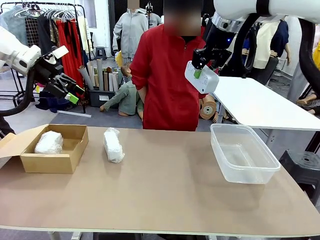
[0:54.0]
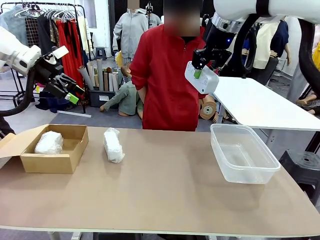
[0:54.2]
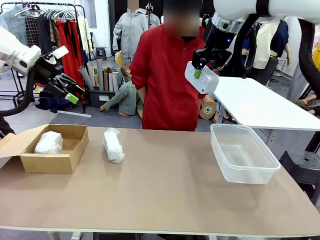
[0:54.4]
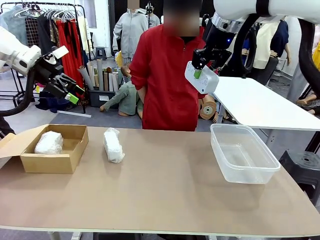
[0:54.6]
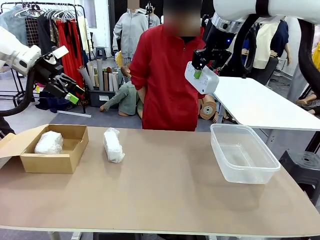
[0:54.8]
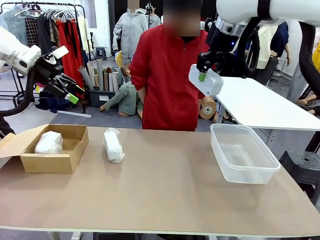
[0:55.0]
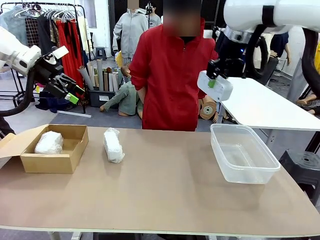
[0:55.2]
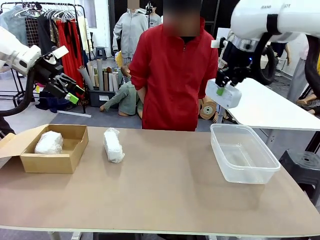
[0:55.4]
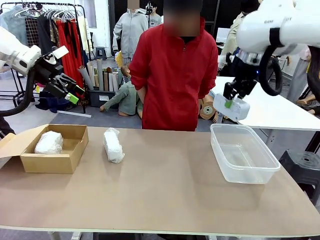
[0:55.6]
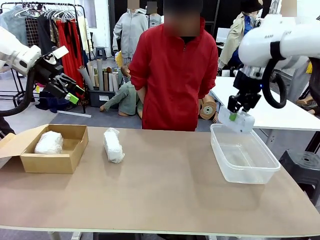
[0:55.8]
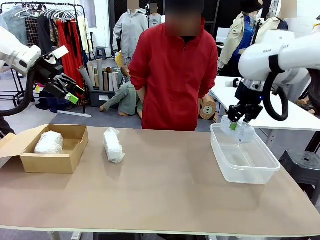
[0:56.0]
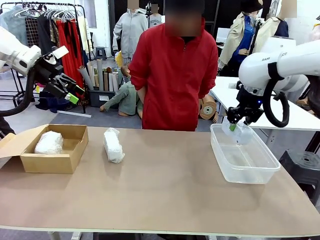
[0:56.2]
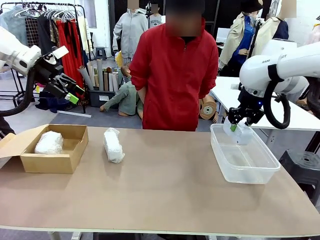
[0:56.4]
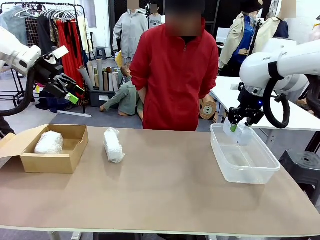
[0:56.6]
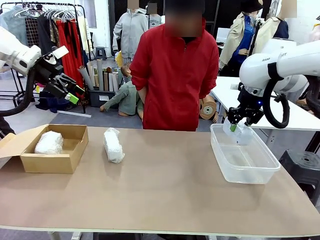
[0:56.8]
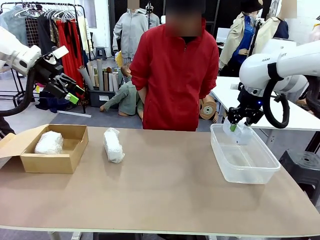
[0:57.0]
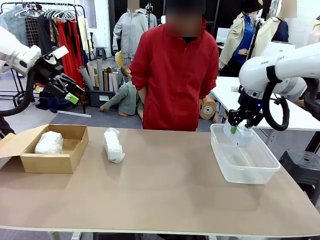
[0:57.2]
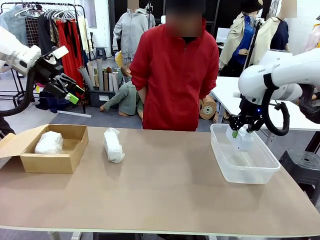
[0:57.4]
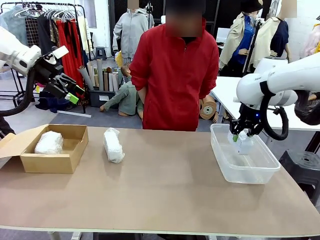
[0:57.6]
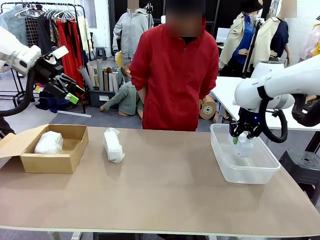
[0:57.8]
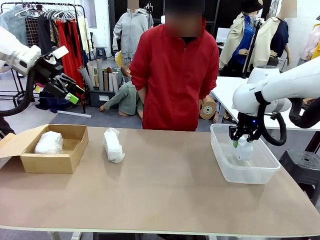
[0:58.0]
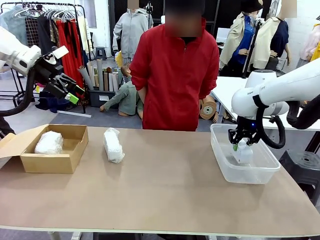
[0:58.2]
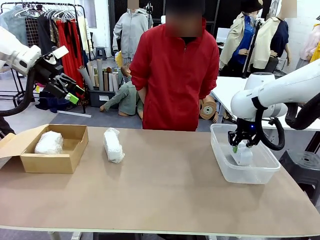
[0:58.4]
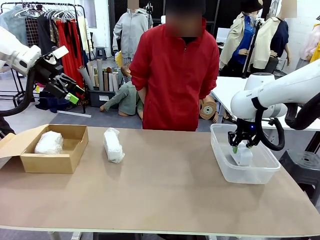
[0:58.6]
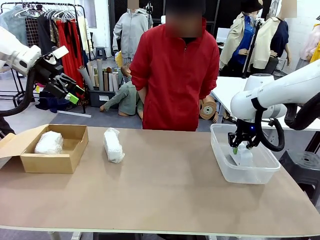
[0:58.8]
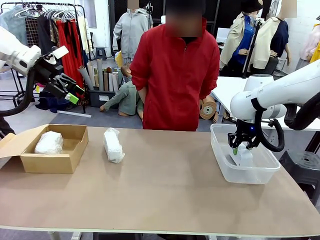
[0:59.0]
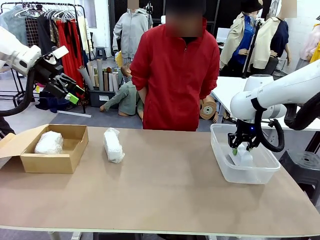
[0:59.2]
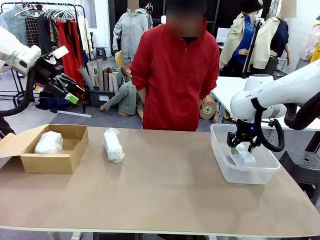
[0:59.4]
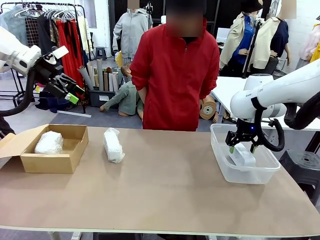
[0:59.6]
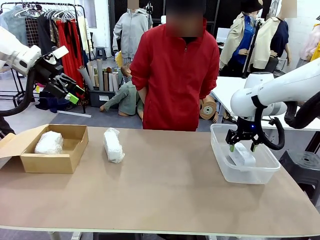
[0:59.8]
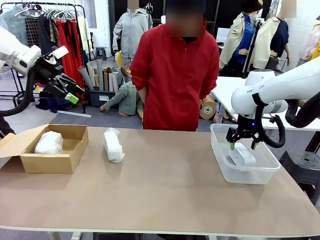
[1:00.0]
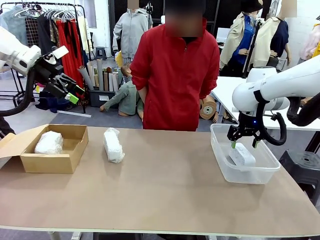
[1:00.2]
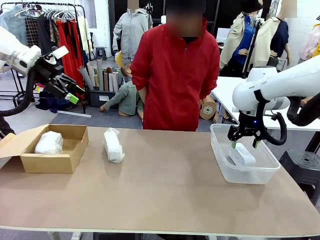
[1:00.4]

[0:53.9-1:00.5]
Task: Separate and place wrapped and unwrapped clocks.
Robot: If the picked Digital clock is wrapped, place it in the Package Box ; if not, place it in the Organizing box.

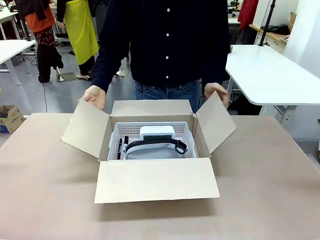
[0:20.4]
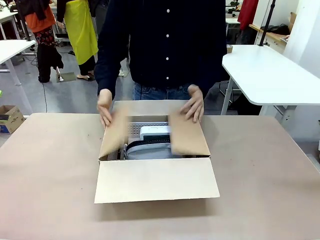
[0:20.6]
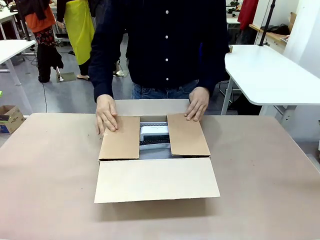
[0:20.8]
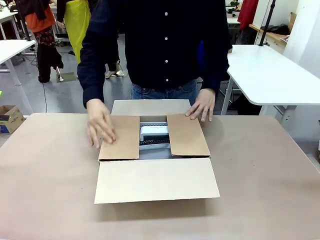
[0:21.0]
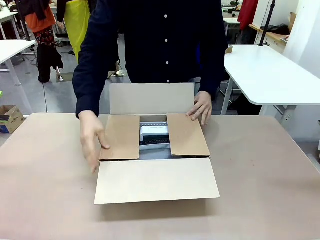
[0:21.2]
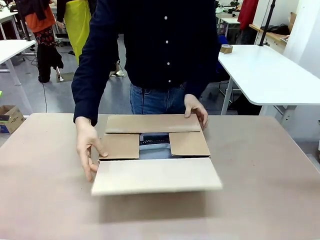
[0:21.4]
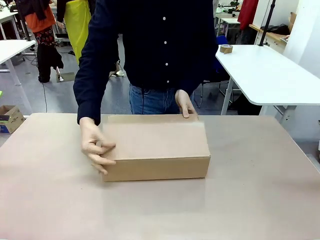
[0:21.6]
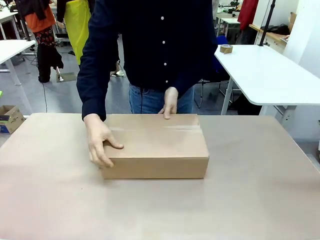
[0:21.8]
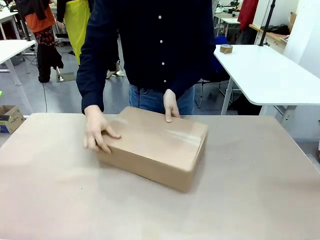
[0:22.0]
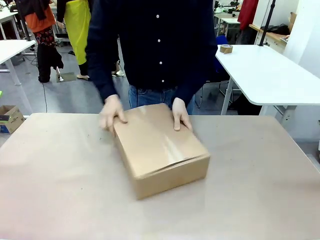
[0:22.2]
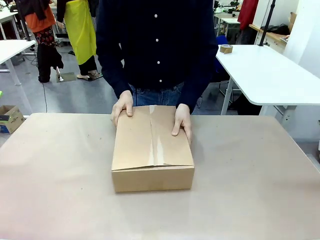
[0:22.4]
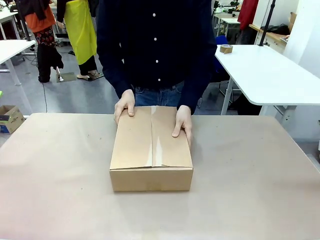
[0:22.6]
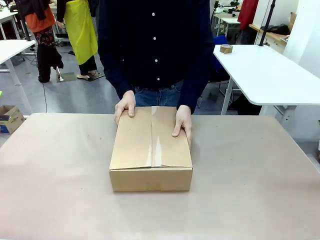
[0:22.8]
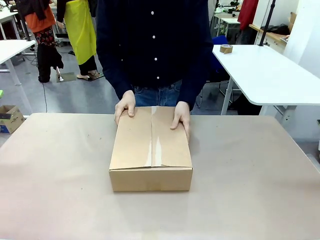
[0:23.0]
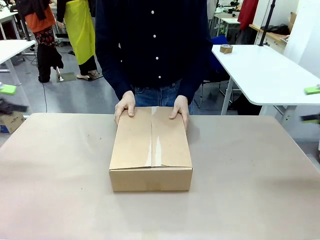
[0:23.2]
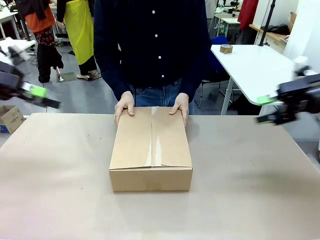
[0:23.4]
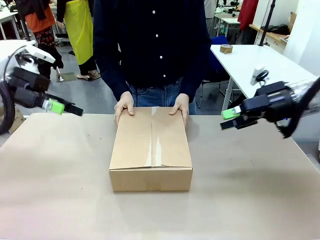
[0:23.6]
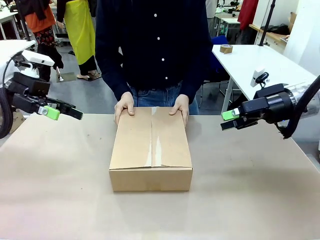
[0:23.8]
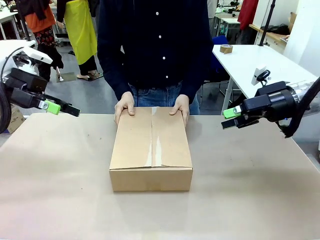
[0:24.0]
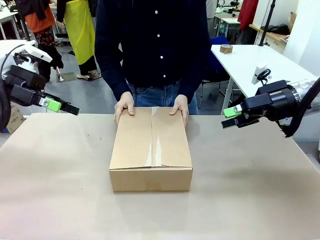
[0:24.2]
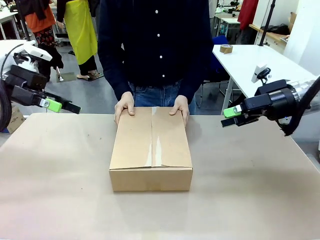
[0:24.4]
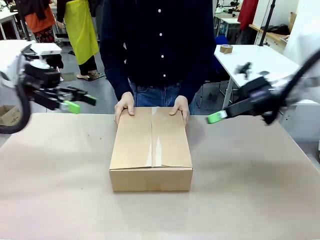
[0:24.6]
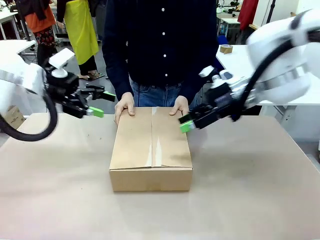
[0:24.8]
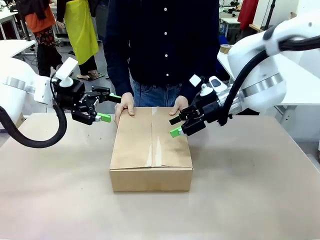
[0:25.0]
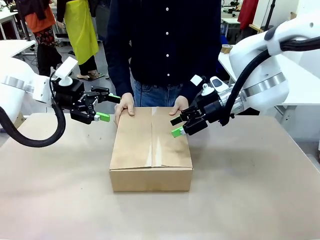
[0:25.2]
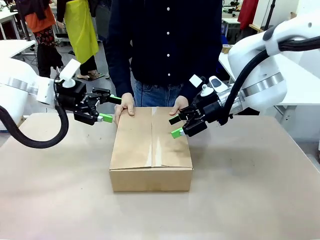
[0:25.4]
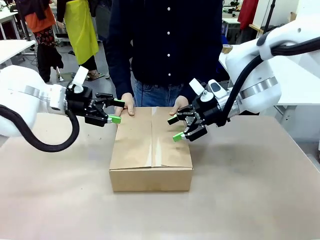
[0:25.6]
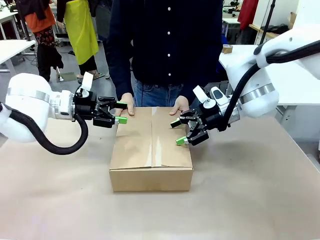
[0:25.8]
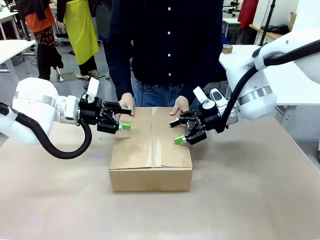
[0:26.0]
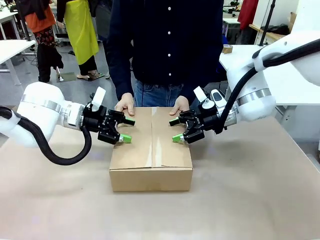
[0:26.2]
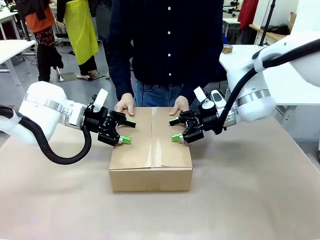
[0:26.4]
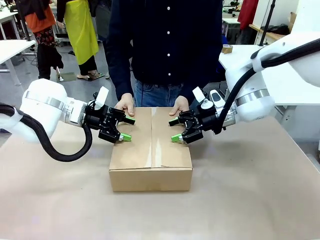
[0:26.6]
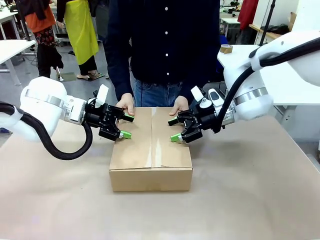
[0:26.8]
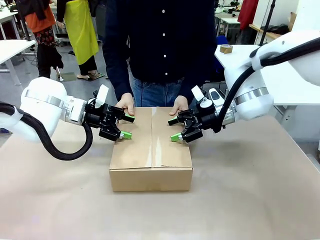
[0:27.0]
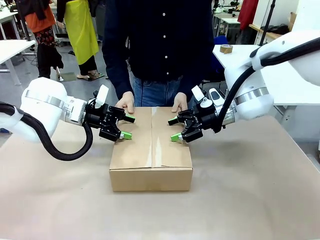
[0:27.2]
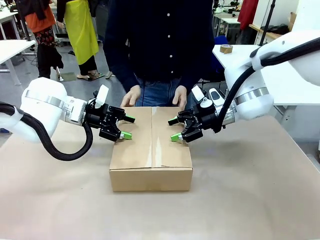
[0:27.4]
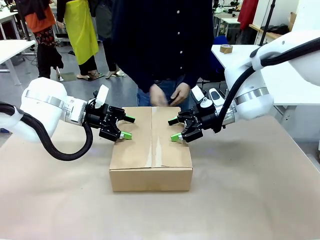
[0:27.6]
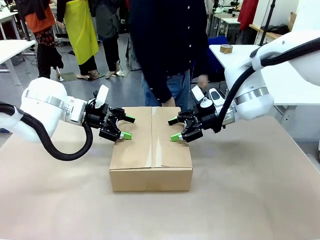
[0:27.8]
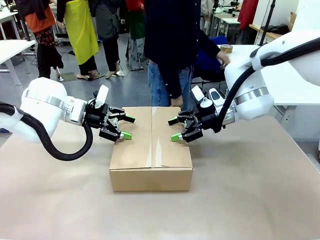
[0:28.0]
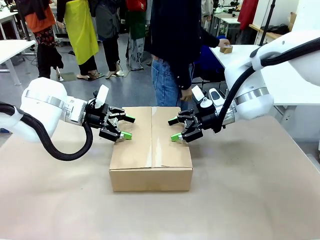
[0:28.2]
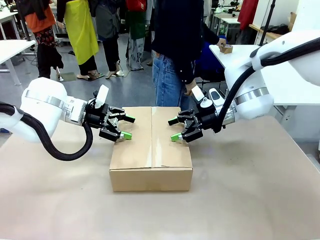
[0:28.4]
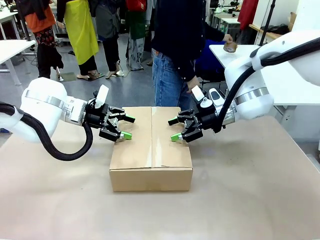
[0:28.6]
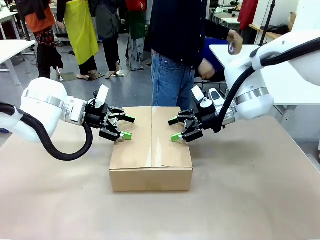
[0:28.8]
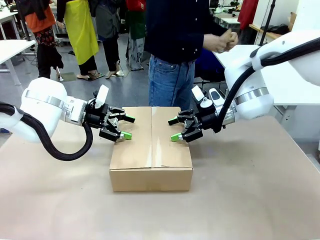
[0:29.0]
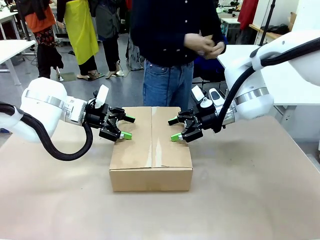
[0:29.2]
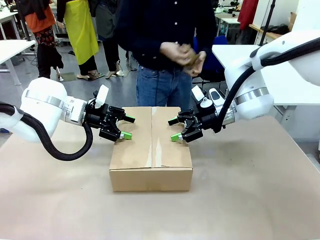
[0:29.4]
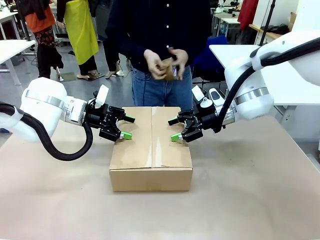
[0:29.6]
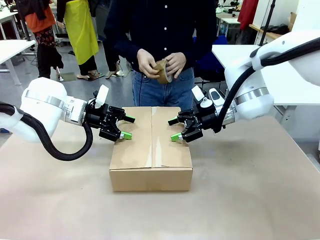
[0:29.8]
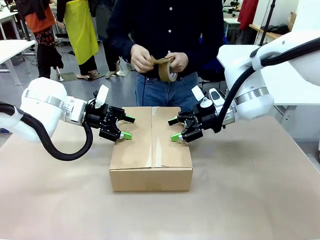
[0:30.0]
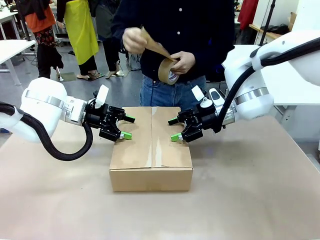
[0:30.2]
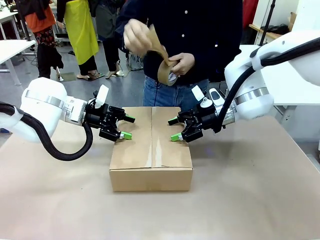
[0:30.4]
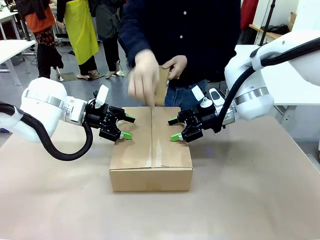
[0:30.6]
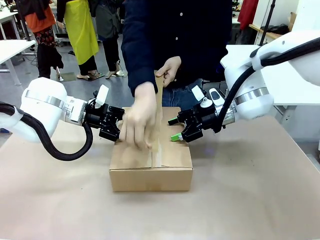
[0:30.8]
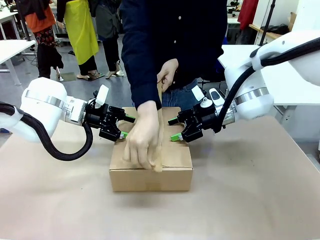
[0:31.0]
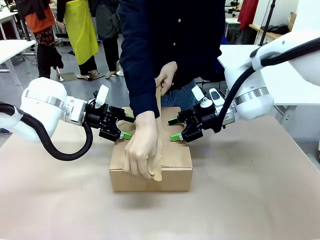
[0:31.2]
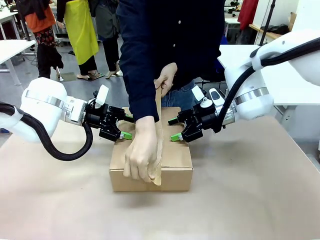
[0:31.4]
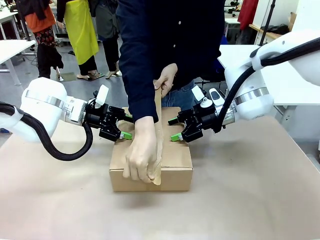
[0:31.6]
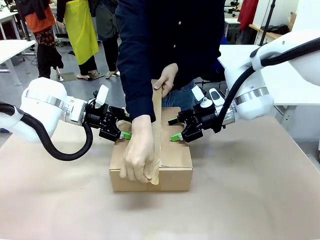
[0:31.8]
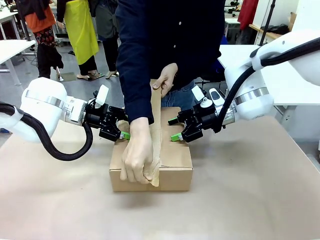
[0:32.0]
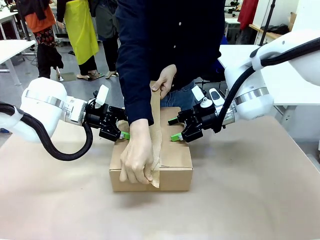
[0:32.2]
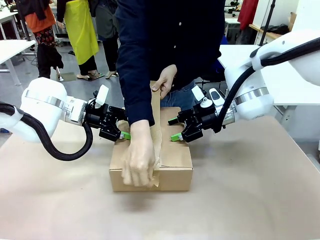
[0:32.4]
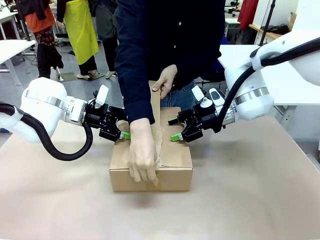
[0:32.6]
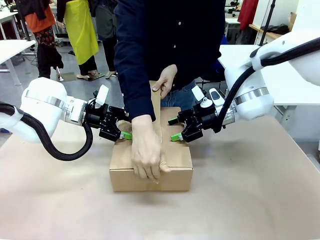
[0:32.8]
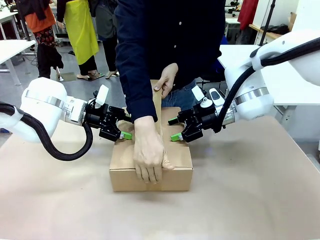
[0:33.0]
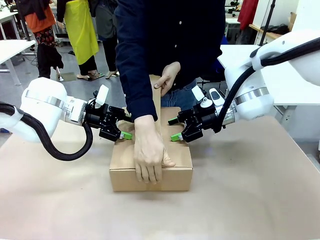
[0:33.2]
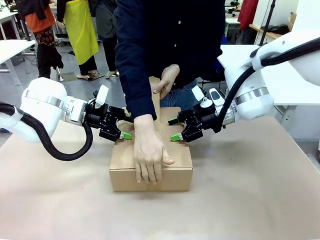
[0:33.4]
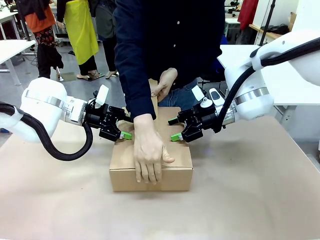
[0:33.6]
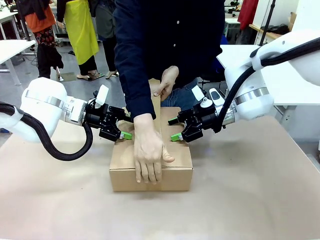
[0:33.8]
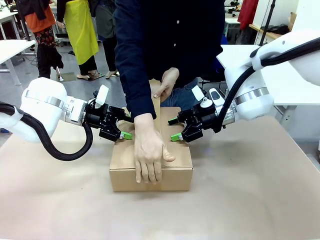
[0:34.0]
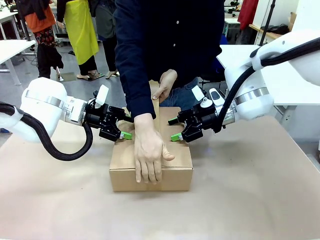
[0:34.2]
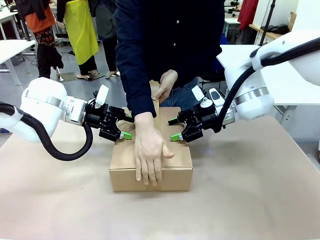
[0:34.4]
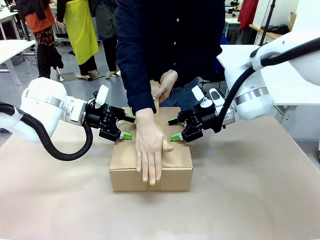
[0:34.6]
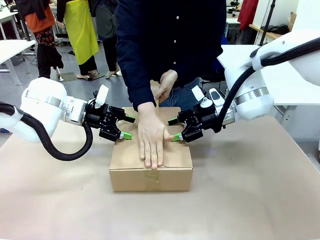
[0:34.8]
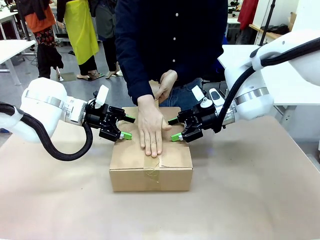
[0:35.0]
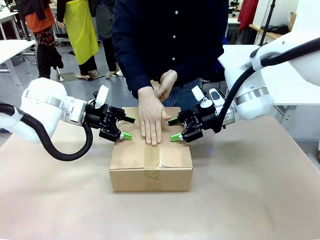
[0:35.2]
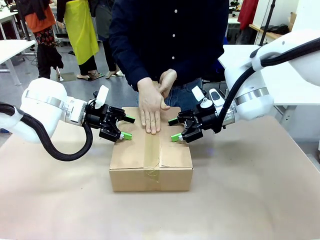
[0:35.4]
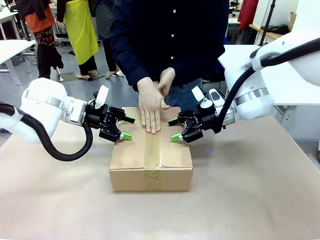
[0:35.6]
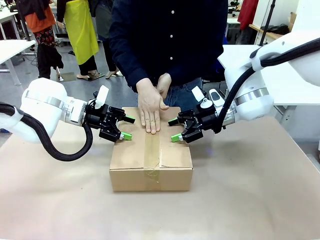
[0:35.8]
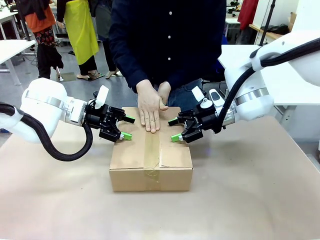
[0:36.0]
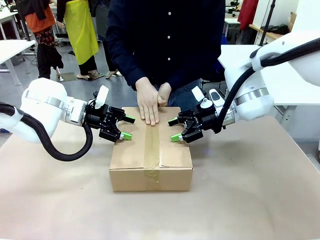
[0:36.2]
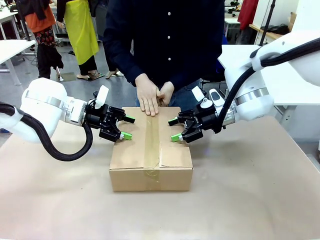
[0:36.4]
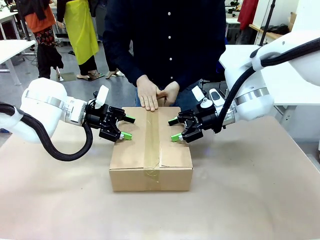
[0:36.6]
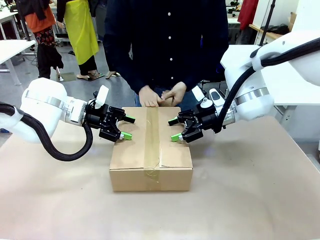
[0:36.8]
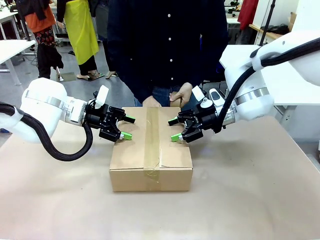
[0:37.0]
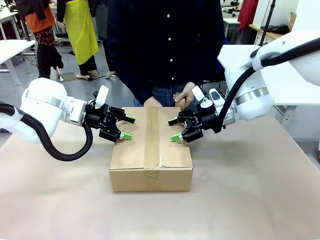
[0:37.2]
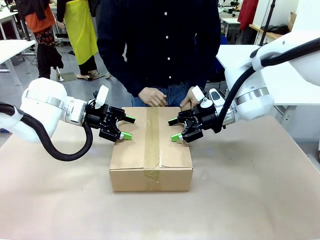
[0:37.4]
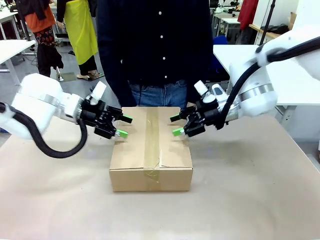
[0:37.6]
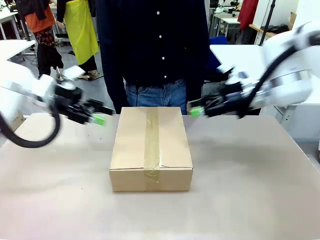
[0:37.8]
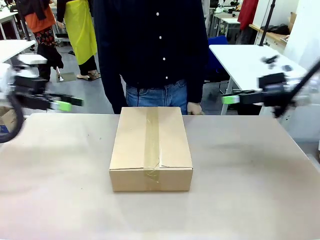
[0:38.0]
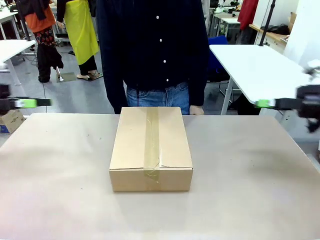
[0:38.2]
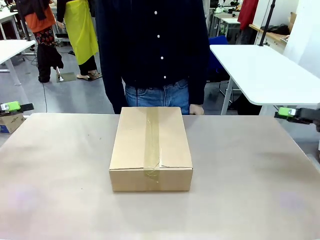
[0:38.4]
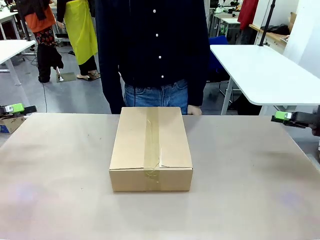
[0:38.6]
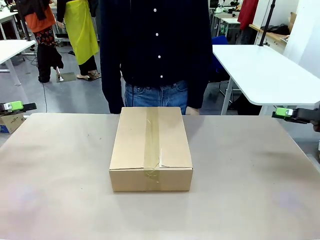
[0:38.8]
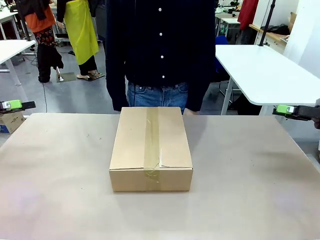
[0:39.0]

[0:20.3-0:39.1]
Task: Pack the gift set into the box.
Robot: Press and hold the closed box until the human finishes sealing it.
Person: The human closes the box and rotates the box by 90 degrees. The human picks up the paper tape from the human table and packs the box.
